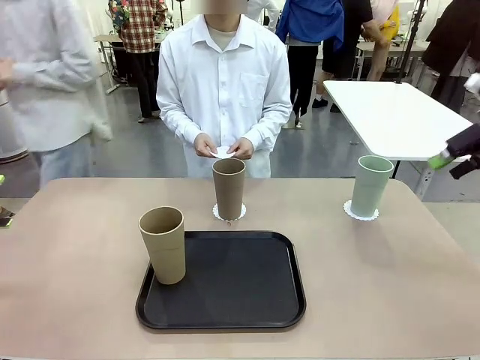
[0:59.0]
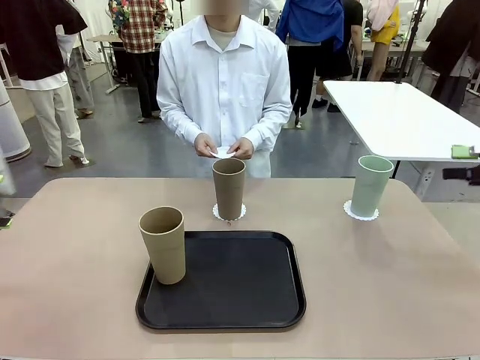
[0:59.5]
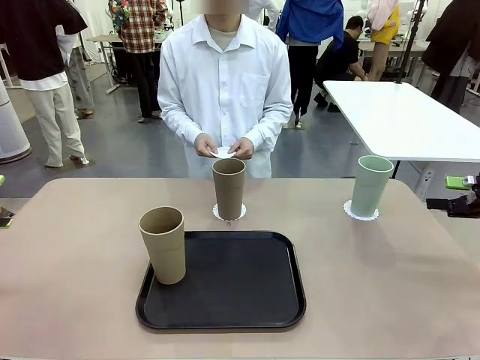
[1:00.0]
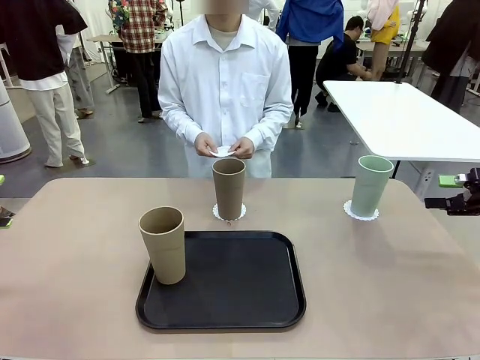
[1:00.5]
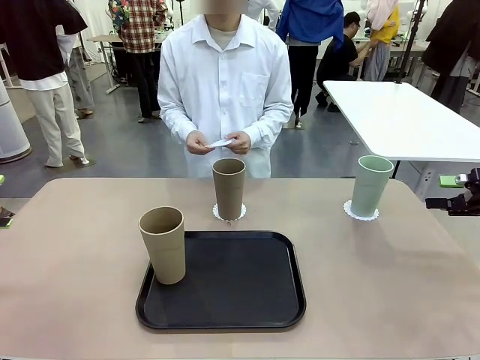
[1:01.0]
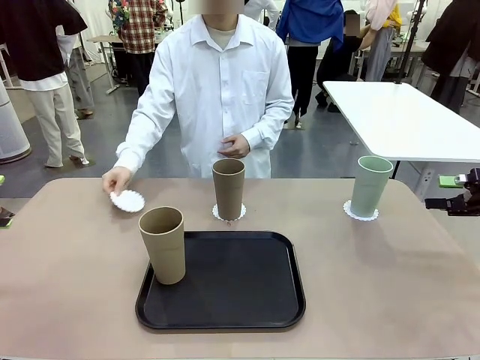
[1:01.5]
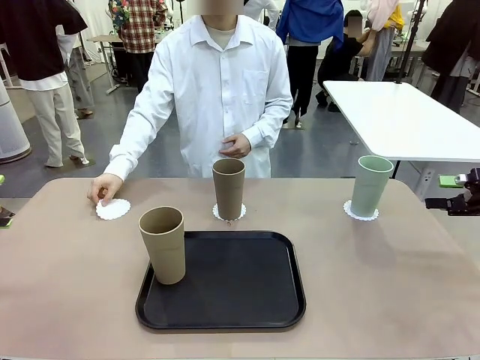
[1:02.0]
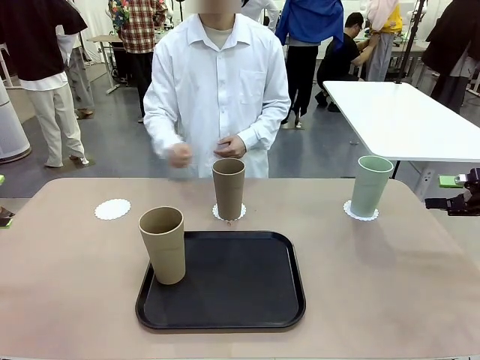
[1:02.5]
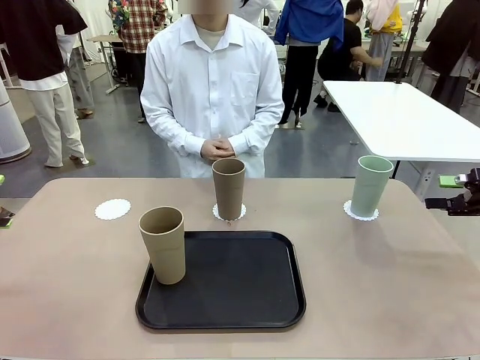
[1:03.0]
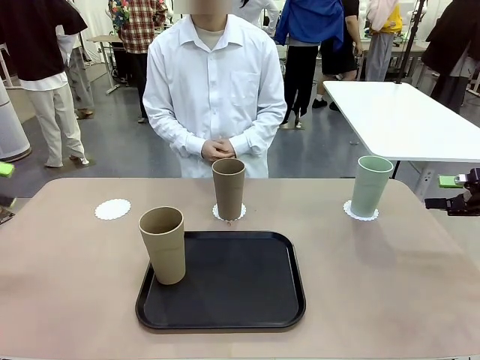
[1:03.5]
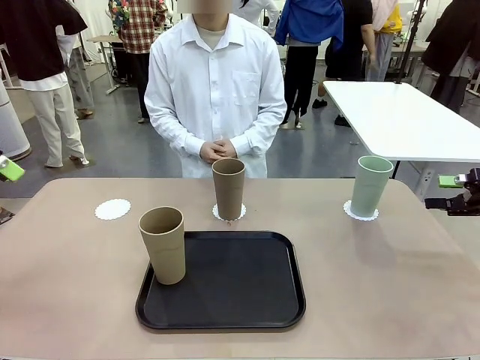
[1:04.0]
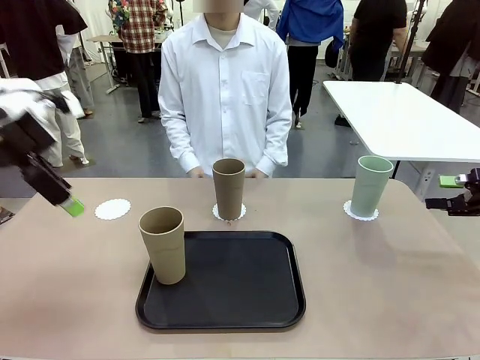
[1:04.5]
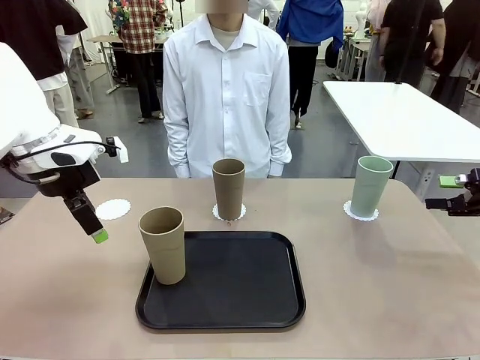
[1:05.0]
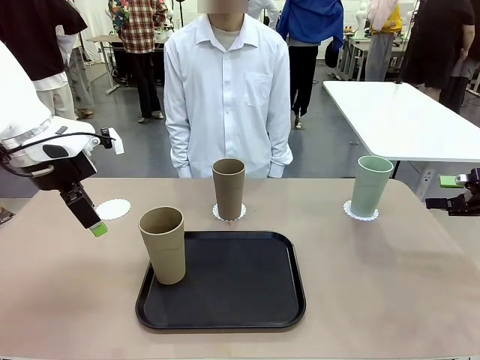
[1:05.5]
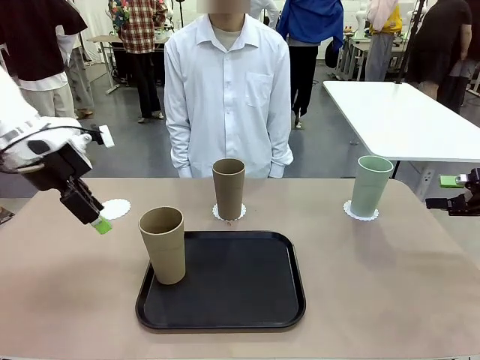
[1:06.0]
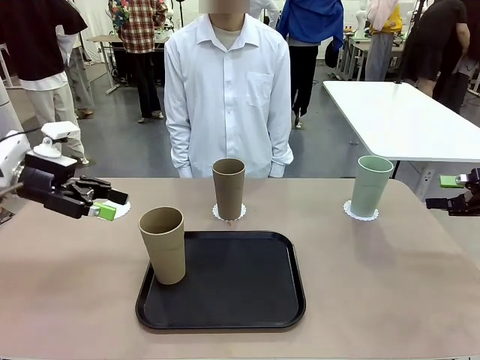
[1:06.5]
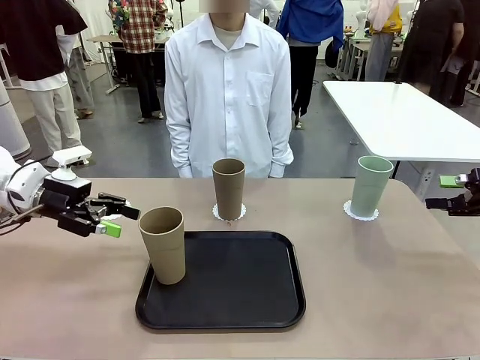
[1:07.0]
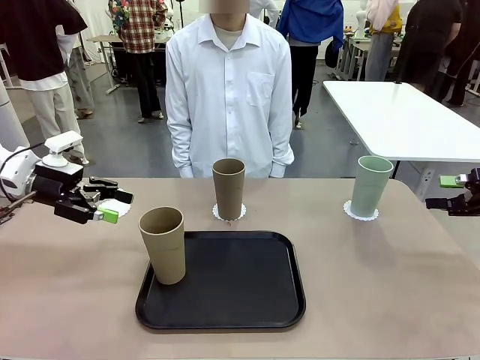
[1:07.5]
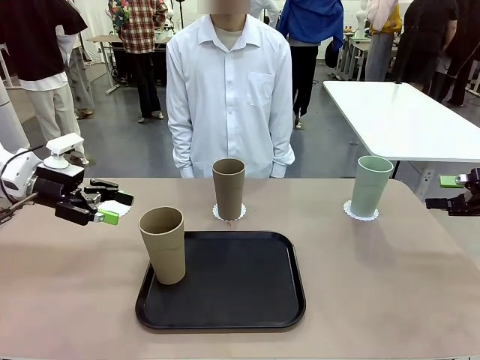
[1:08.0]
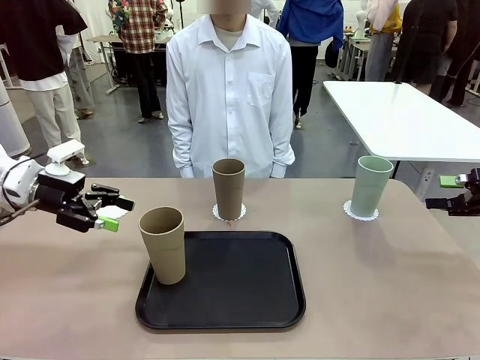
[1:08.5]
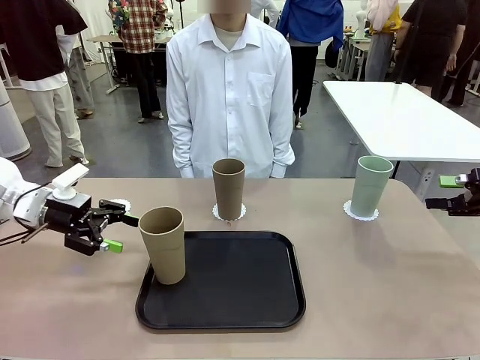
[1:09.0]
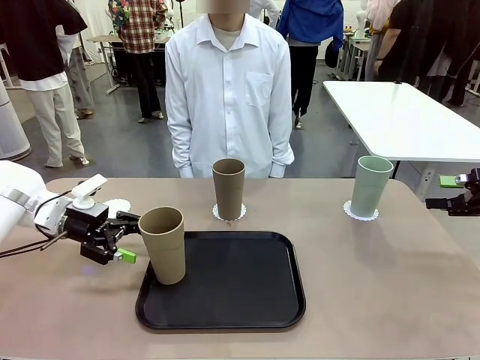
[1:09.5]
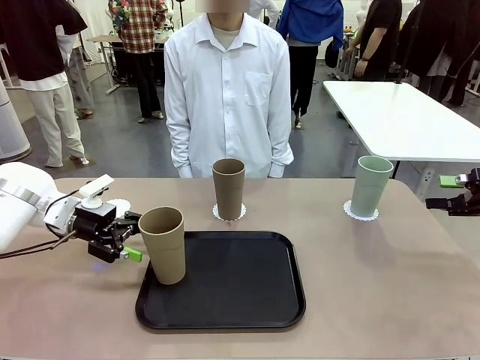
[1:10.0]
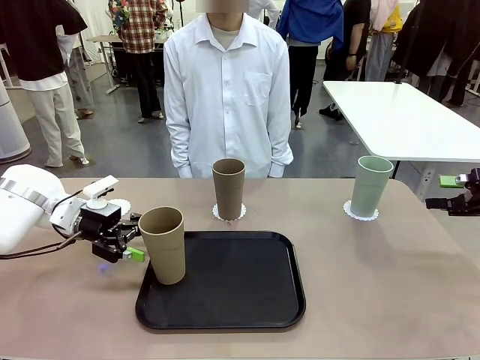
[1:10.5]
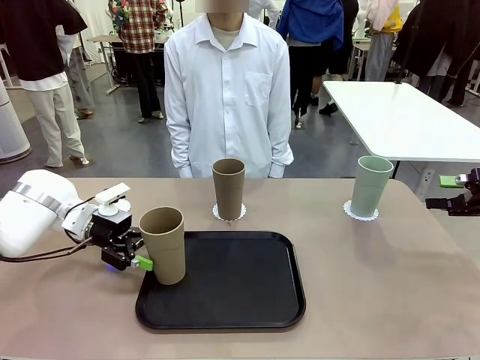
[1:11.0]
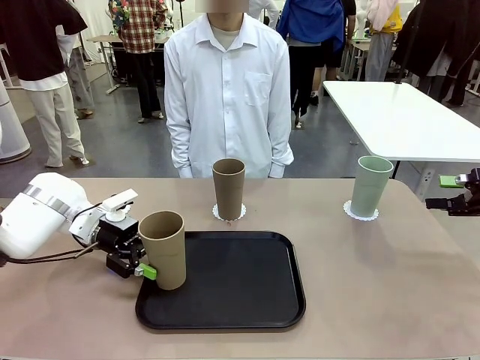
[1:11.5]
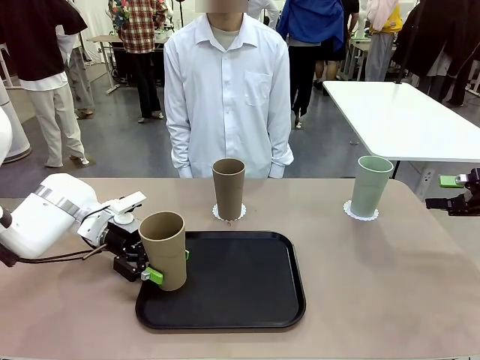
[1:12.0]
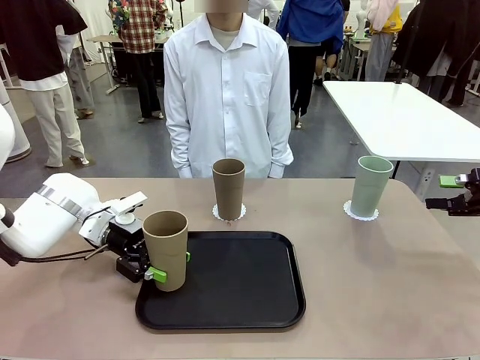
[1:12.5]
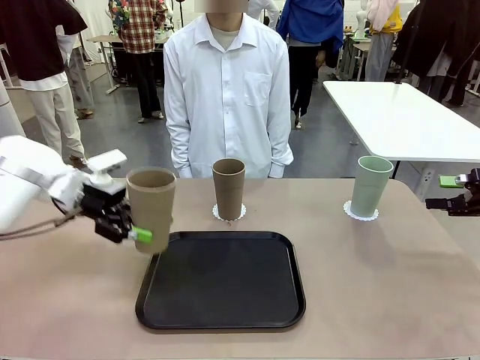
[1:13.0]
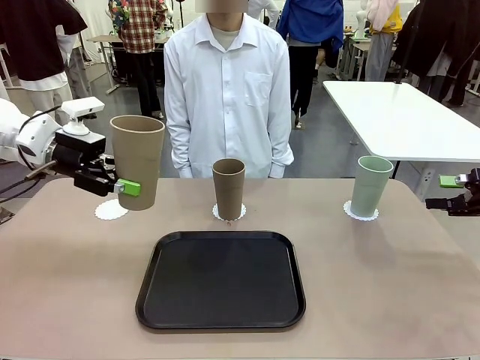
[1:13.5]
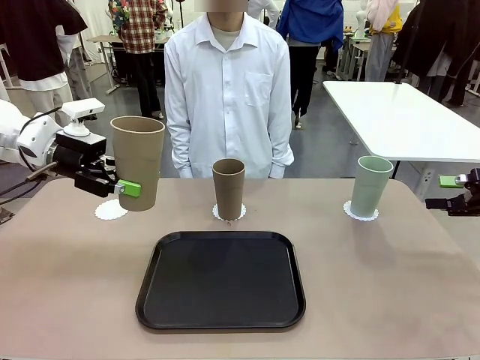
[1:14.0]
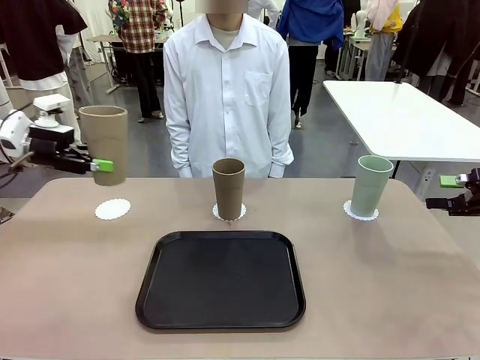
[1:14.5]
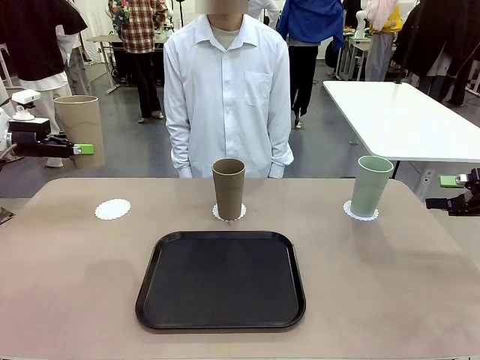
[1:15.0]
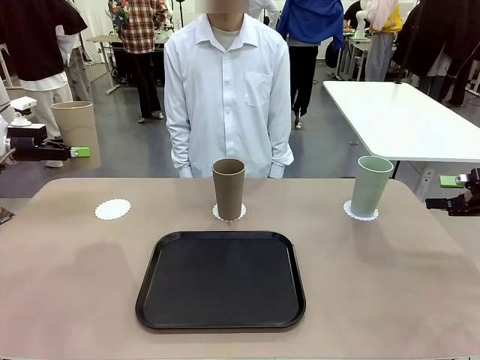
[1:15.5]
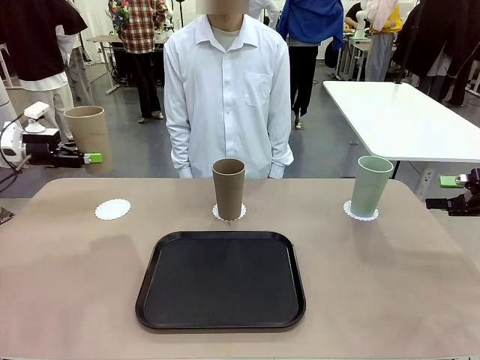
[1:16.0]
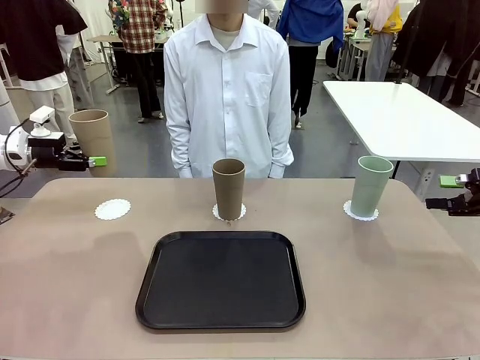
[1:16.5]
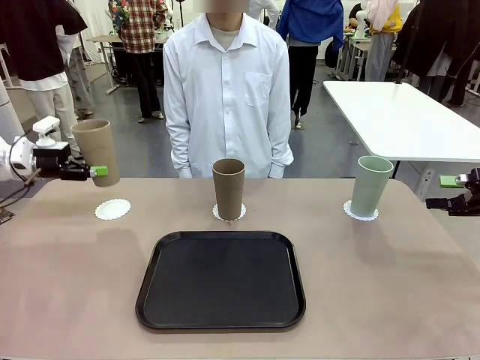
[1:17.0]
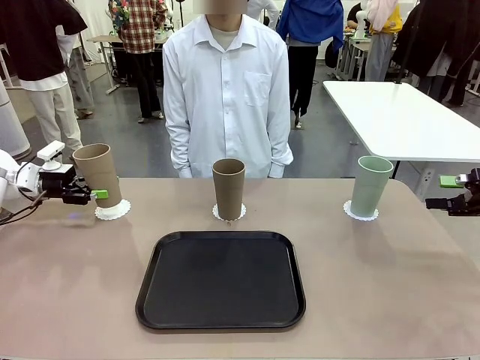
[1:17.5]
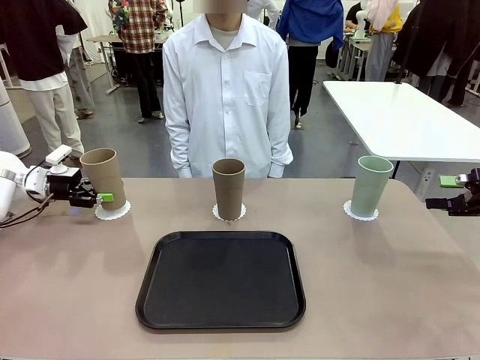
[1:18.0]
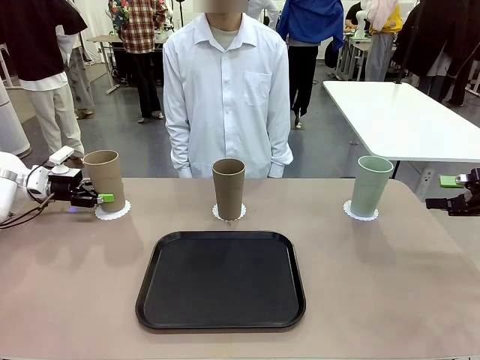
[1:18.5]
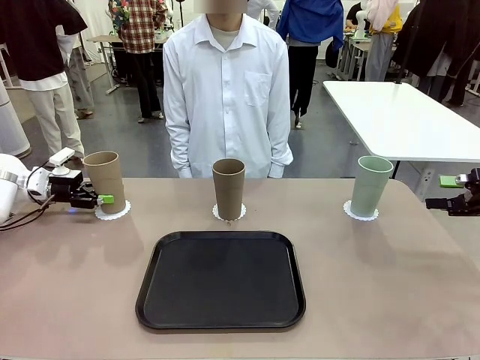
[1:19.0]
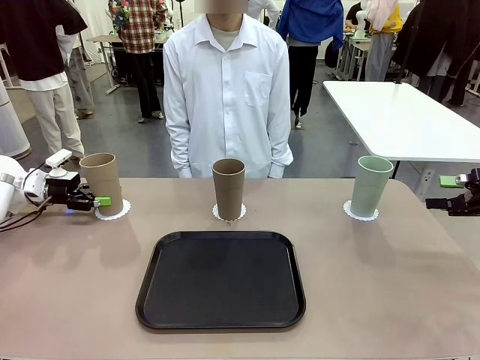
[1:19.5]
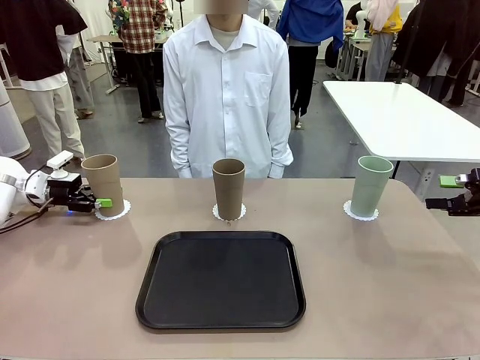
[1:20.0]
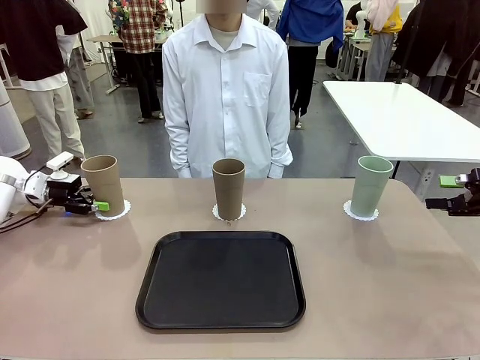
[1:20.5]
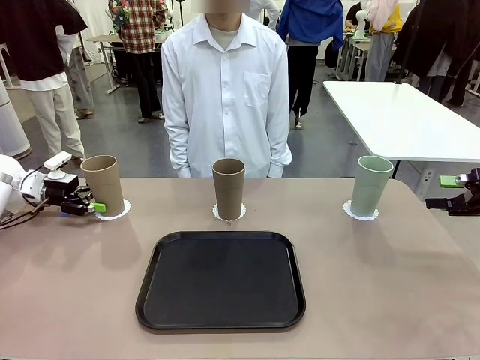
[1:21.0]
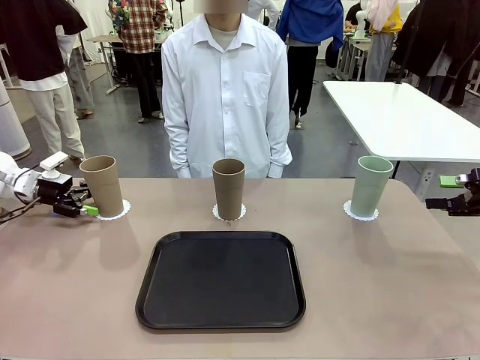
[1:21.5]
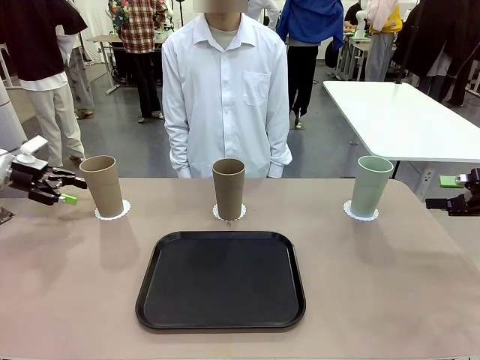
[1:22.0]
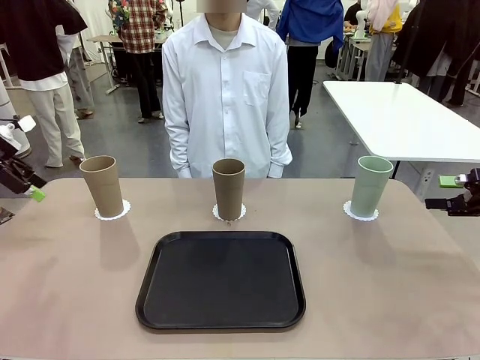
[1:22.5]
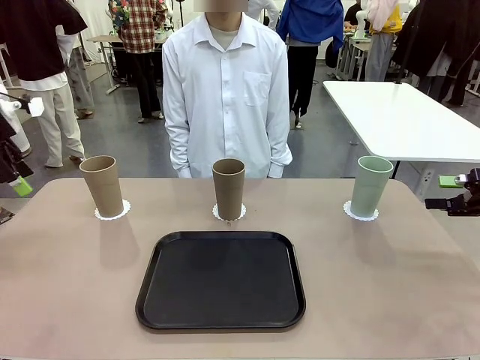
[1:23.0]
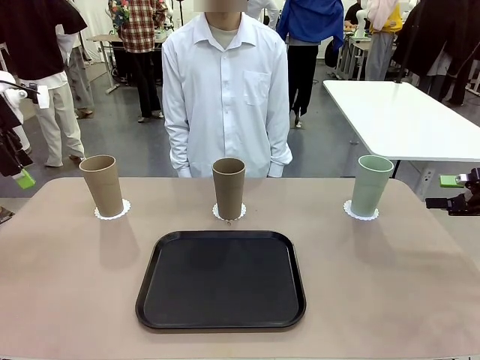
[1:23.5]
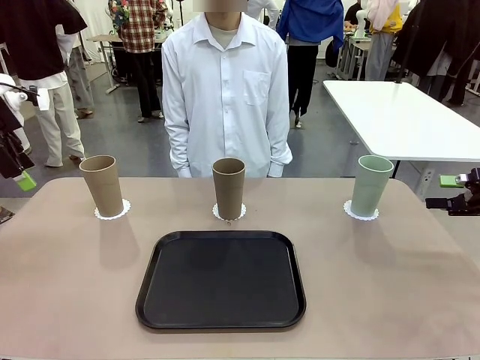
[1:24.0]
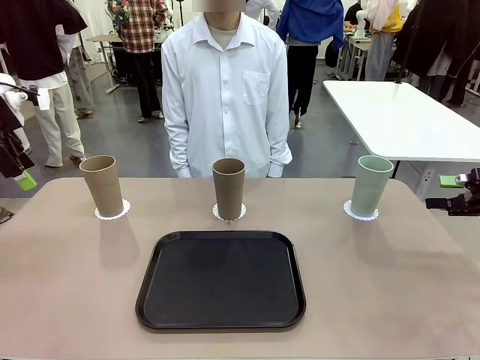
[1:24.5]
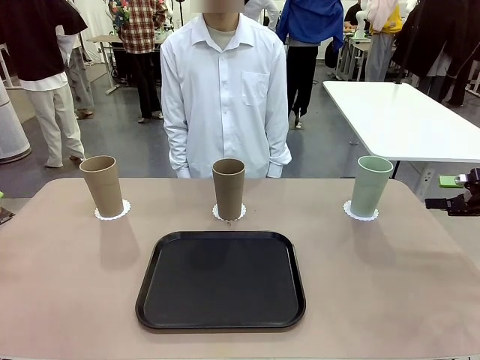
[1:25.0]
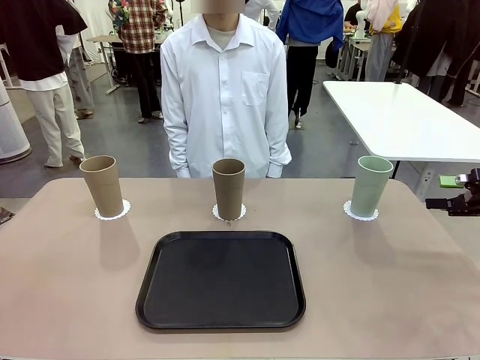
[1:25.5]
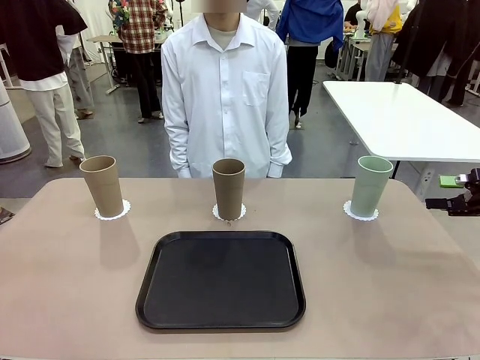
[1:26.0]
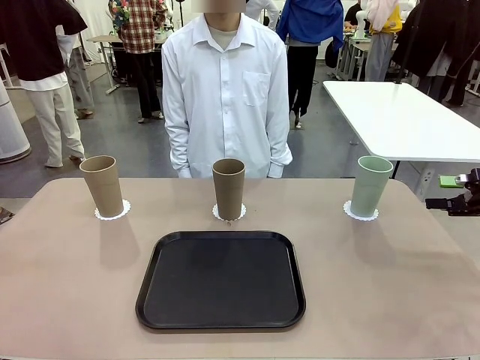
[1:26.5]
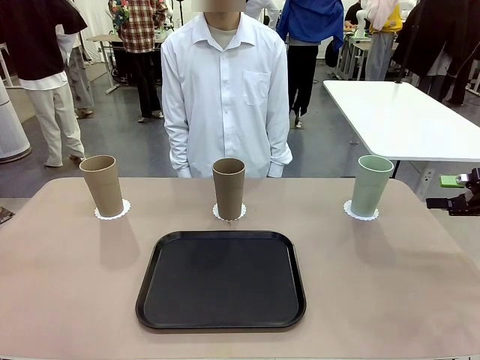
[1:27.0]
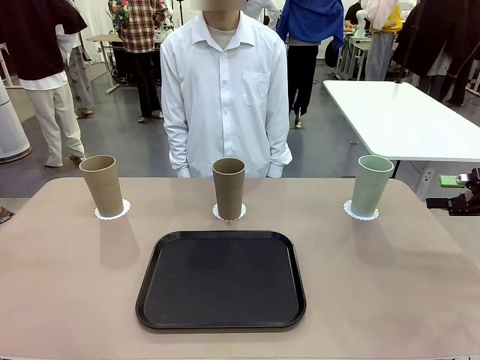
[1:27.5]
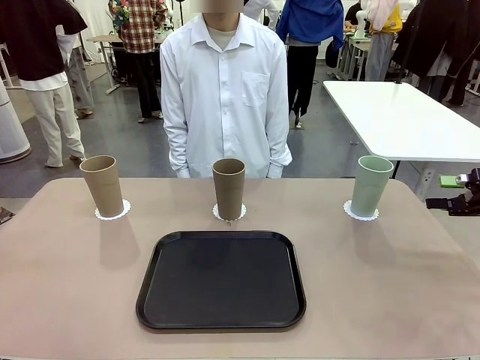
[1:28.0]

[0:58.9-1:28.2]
Task: Place coasters on the table and set cups on them.
Robot: Take one Reusable plastic cup from the Flat Tray and place it on a coaster set by the human.
Person: Place one coaster in the only remaining area.
